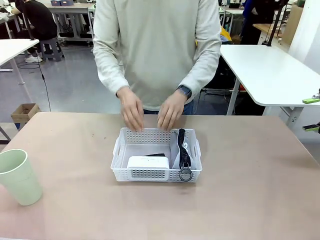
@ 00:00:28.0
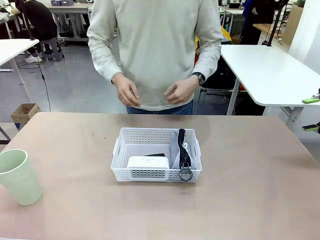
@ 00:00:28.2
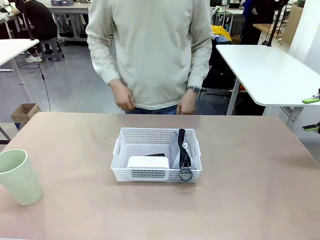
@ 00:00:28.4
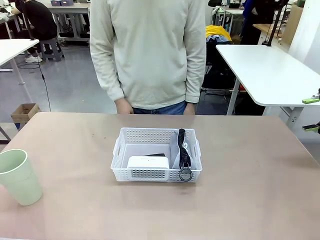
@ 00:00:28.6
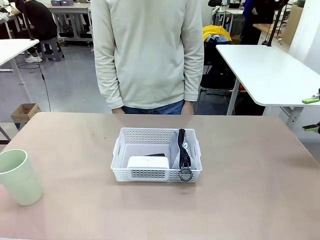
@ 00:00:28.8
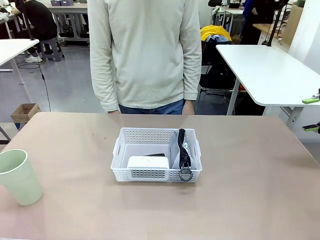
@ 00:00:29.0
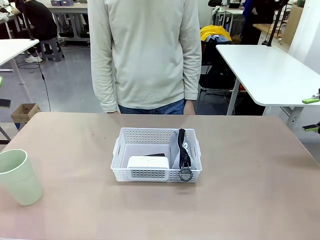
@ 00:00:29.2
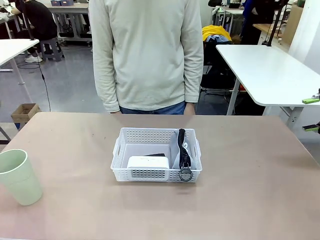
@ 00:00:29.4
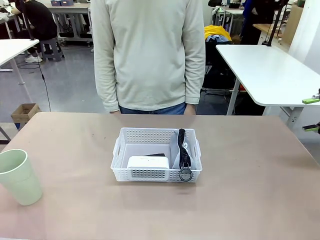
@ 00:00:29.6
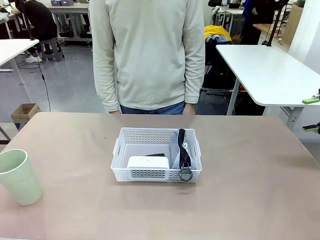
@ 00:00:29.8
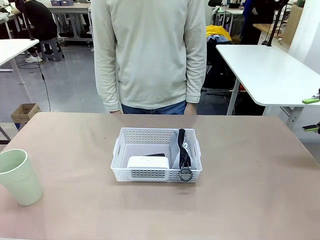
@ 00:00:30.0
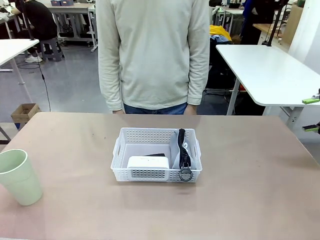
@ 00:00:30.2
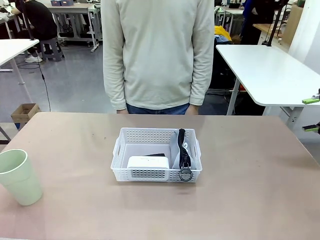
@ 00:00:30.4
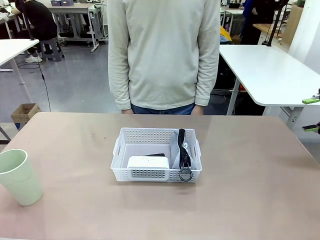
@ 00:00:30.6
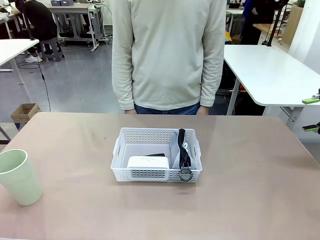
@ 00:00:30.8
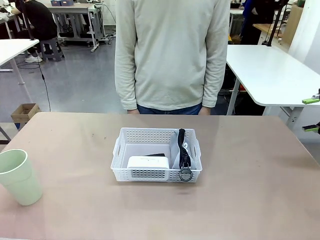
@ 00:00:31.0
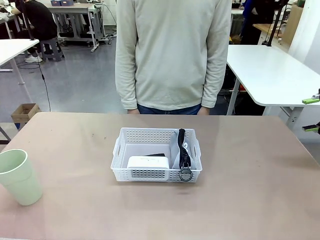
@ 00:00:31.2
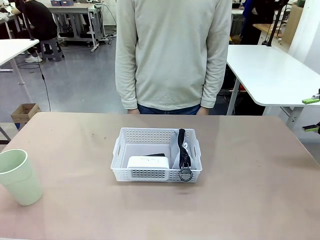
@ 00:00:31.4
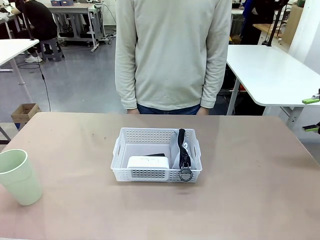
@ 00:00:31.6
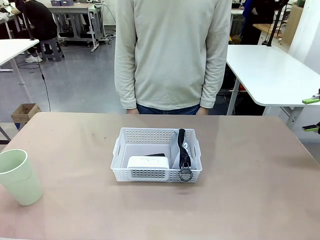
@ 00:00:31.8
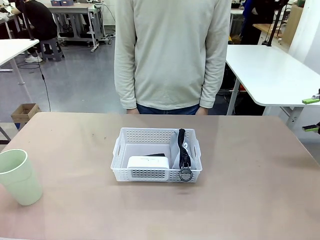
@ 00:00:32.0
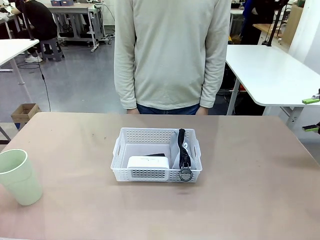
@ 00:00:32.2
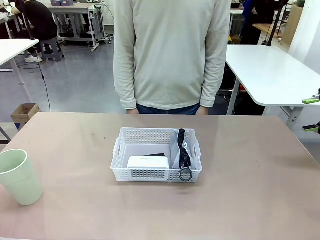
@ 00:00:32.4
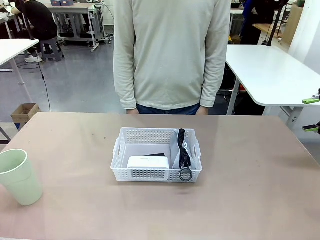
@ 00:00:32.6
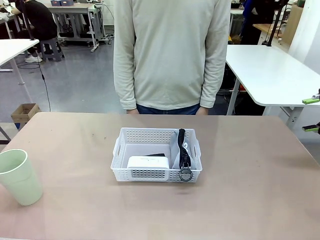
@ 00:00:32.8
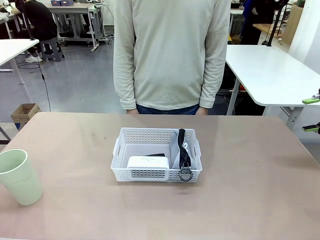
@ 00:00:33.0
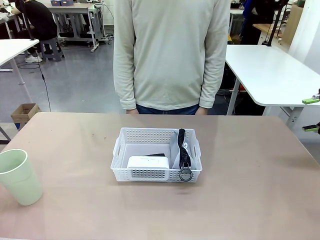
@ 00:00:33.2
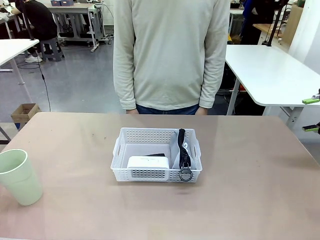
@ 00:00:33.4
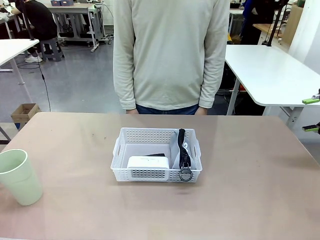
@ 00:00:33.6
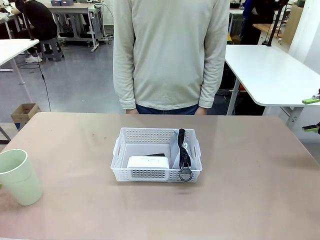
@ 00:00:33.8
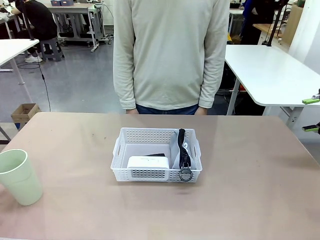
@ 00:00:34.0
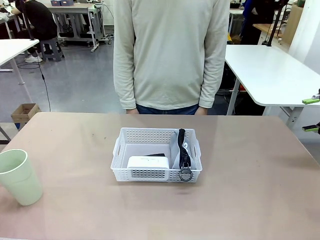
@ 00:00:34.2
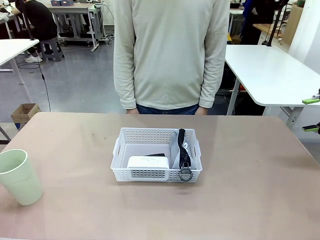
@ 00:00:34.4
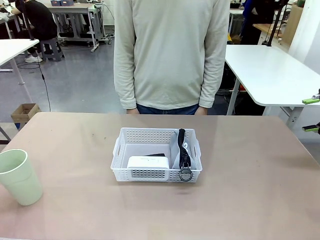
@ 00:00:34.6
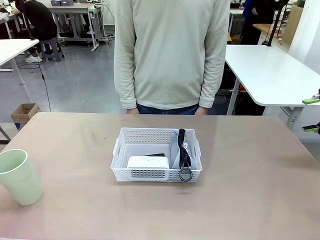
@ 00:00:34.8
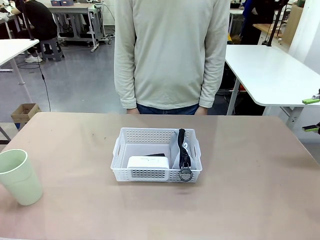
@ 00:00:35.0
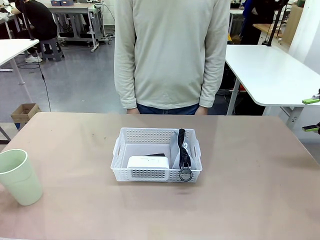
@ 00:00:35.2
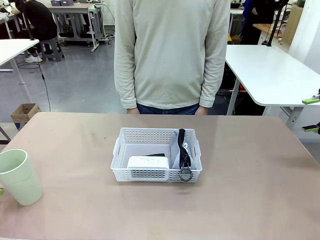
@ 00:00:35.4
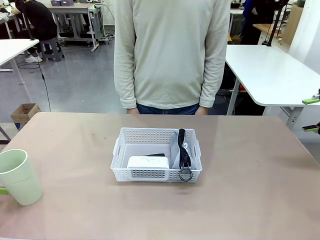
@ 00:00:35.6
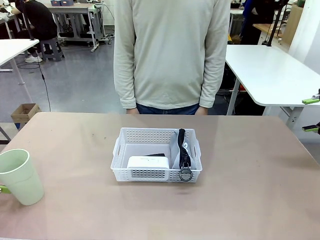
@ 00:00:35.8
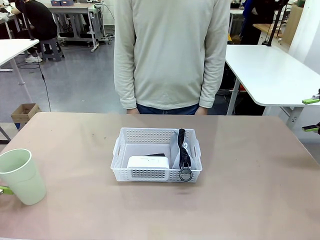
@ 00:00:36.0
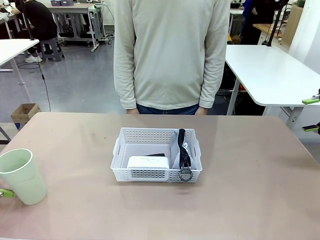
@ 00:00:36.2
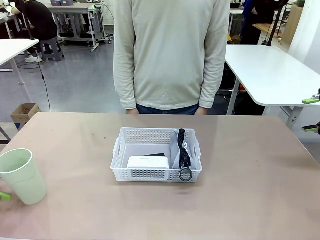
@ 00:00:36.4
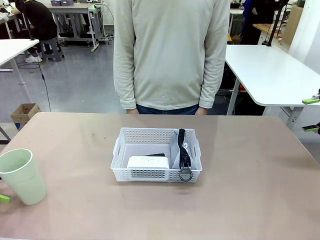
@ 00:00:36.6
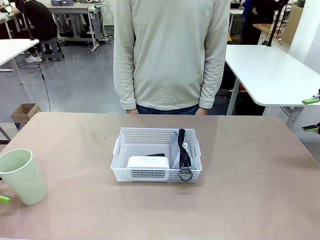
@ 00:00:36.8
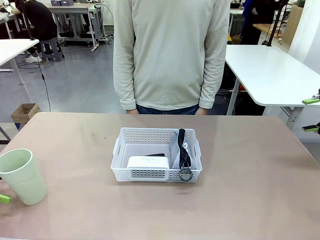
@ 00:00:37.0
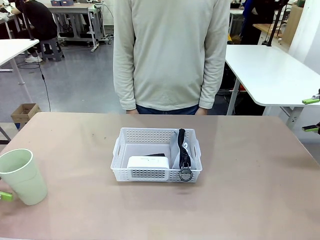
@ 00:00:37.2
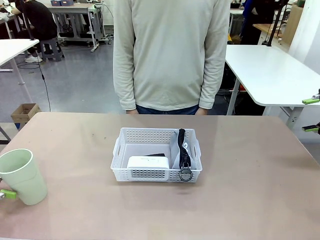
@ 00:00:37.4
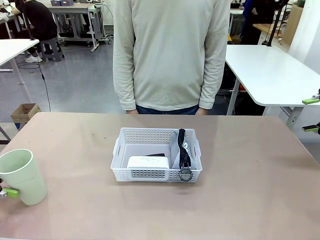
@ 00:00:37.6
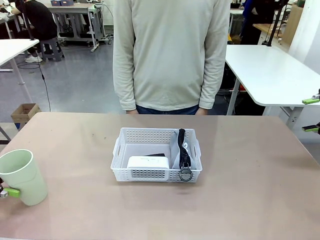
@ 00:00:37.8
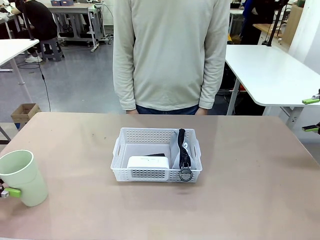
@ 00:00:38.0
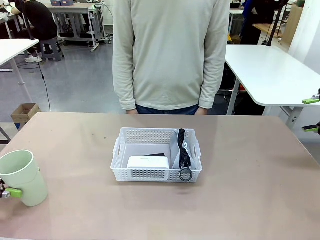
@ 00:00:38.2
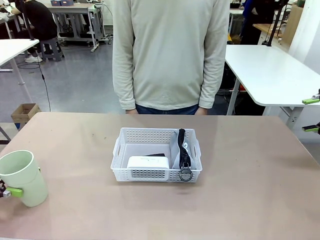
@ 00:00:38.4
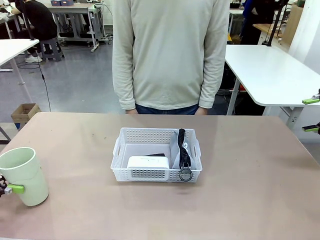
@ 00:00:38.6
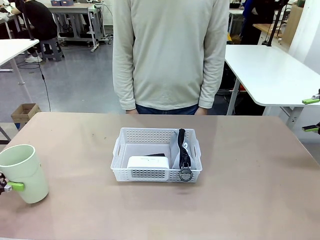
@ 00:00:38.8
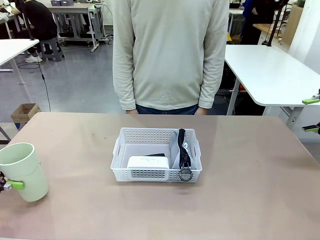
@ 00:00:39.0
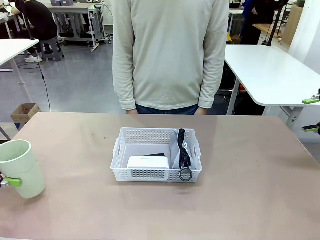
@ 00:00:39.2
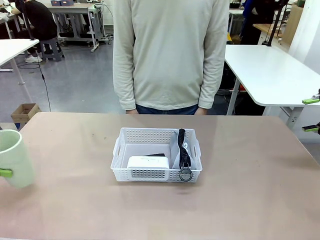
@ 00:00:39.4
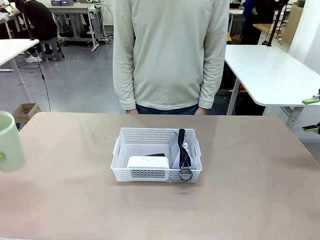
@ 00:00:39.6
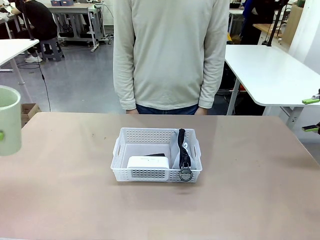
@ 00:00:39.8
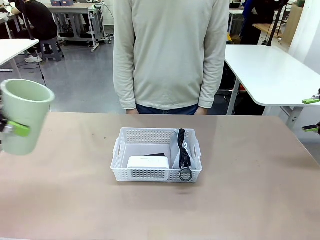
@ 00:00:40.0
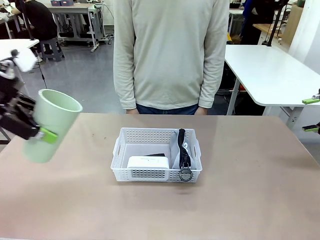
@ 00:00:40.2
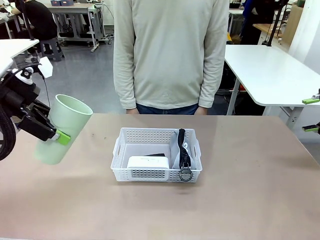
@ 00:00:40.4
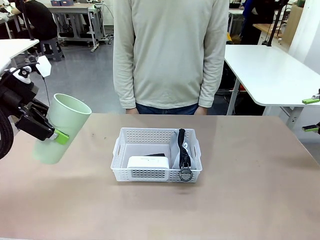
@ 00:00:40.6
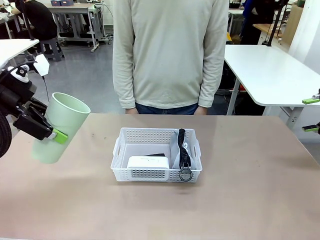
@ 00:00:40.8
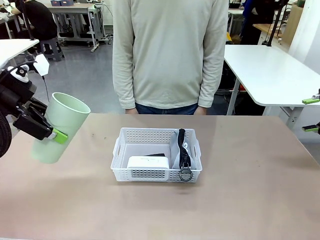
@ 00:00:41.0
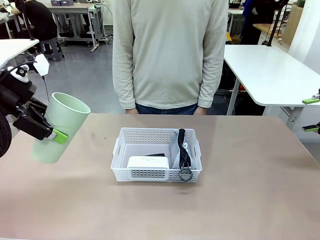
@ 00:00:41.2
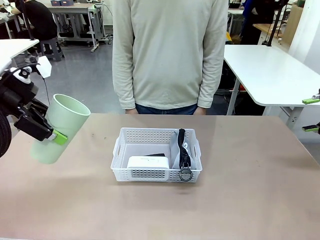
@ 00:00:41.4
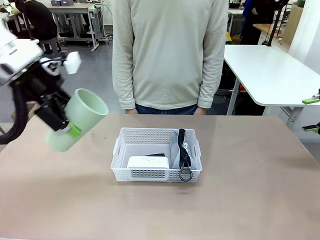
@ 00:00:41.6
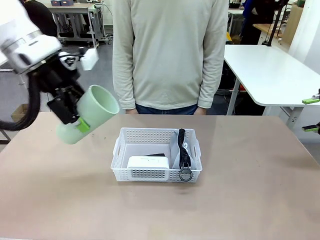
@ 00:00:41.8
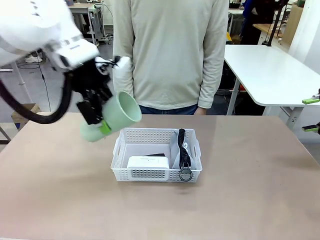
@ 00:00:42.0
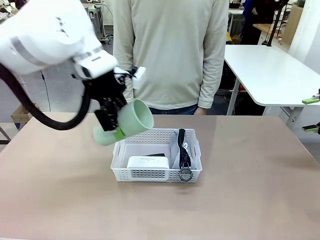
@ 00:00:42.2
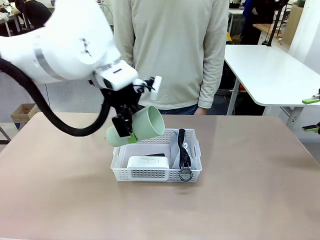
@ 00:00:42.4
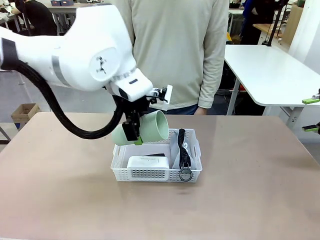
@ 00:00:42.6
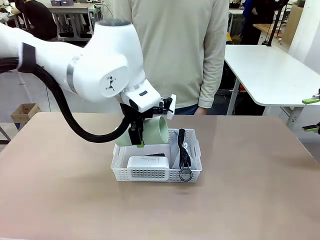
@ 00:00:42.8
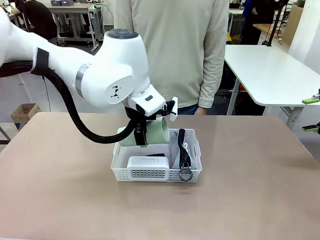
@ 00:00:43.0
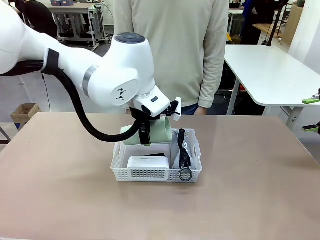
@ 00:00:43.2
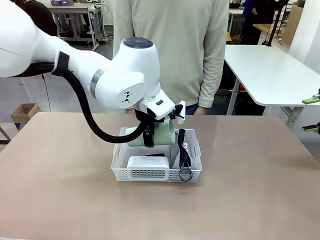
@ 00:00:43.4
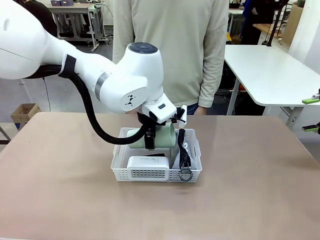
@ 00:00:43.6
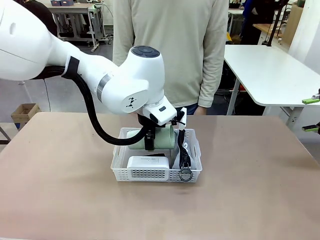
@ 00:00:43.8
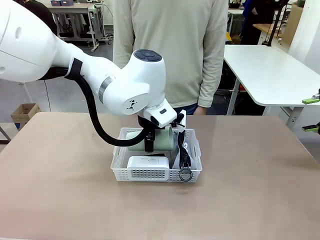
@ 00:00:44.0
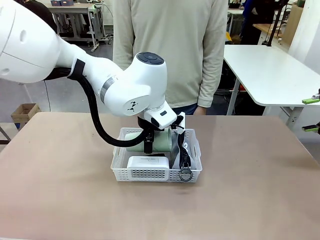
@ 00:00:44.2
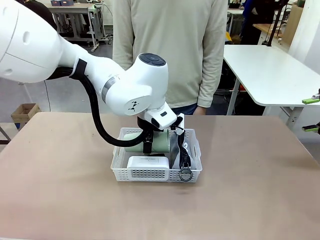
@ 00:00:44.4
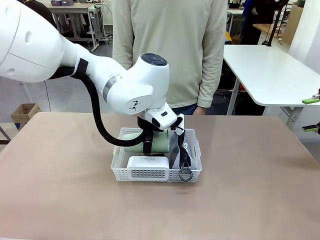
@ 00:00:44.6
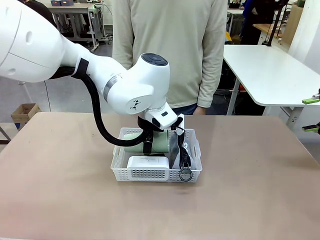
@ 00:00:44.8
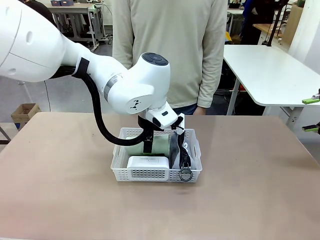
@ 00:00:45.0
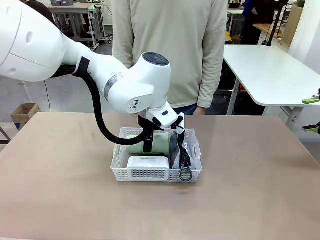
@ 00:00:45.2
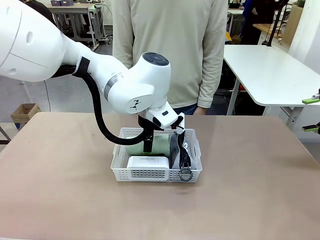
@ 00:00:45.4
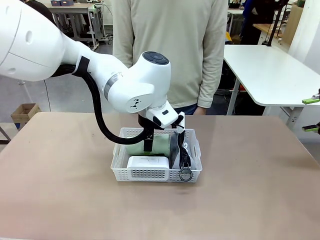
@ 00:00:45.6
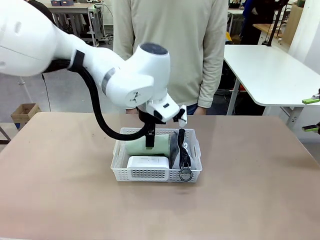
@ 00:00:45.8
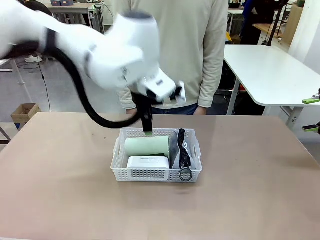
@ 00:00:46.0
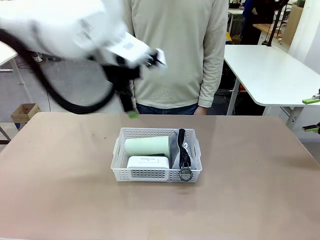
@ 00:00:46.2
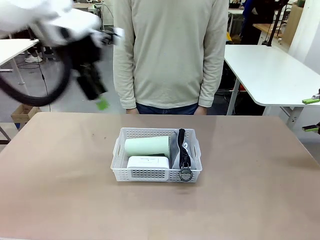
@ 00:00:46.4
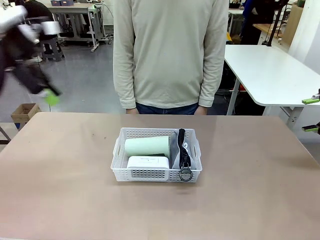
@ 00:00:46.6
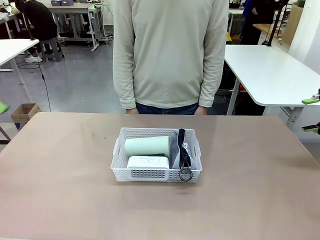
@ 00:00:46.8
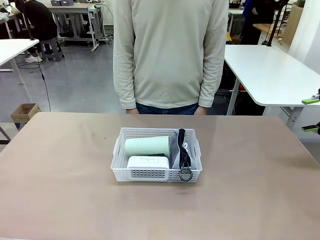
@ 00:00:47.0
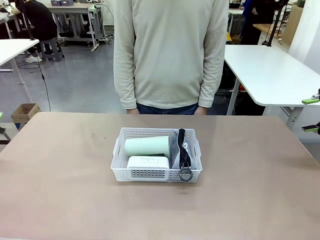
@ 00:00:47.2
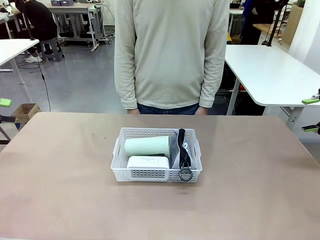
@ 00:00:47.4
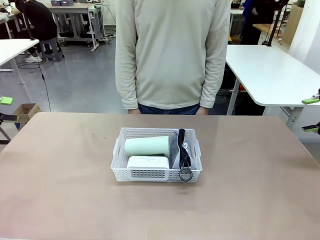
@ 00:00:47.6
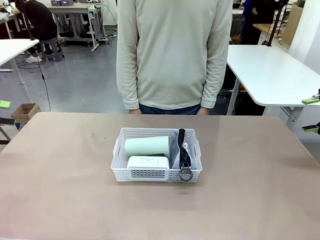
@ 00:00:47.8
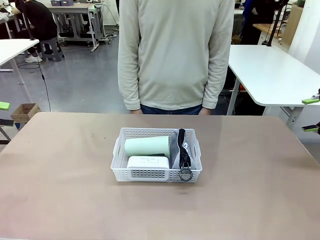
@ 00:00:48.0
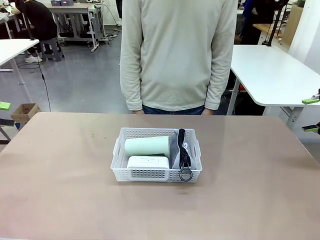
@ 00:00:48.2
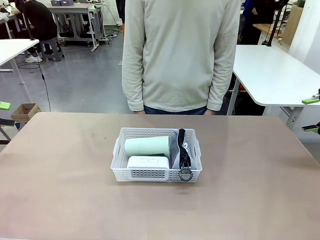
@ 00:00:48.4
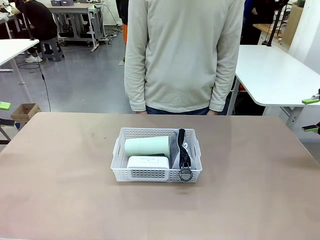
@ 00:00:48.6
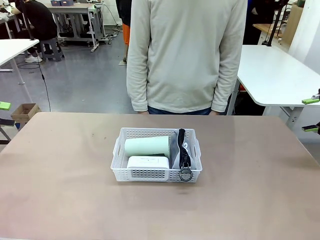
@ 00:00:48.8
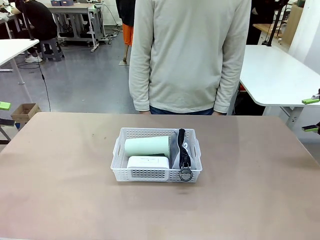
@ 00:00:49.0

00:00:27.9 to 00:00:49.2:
Task: Efficiently arrange items inside the basket to fit them all.
Robot: Pick up the Reusable plastic cup and place it inside the Organizing basket.
Person: Repositions the stapler.
